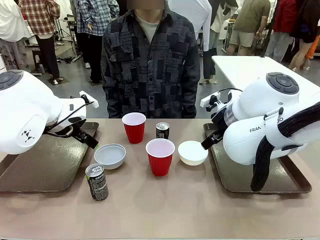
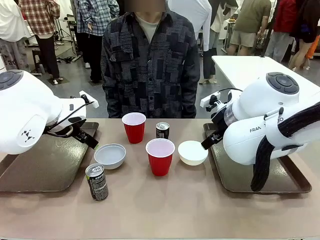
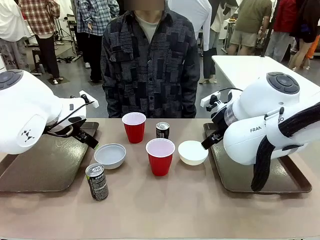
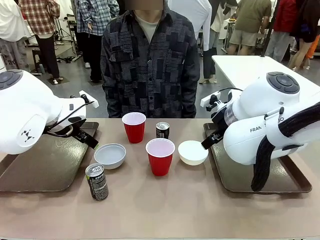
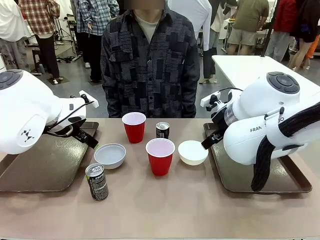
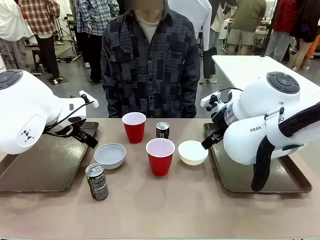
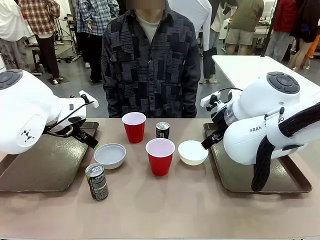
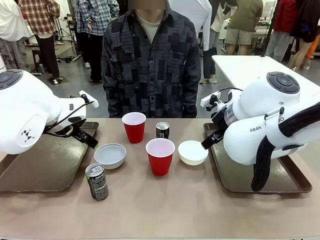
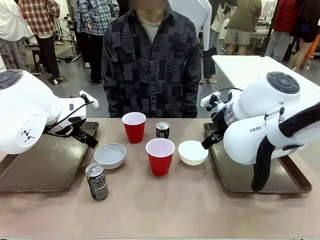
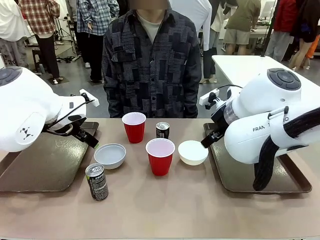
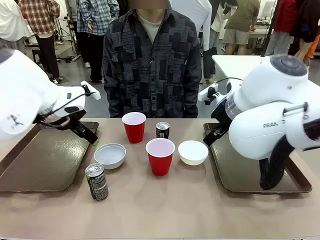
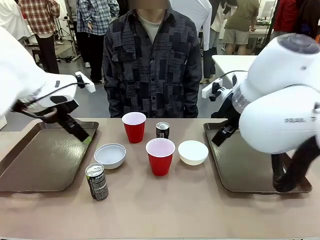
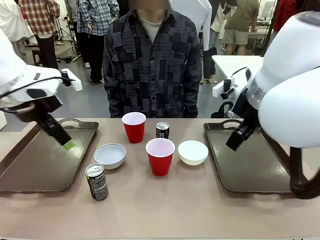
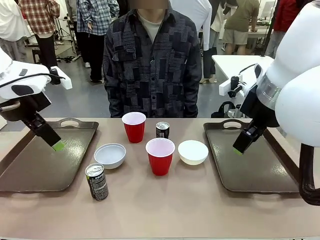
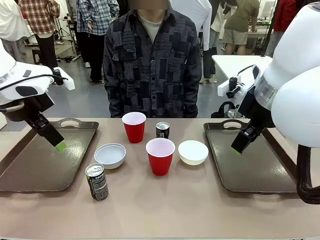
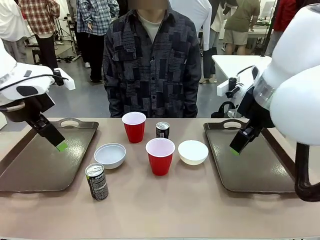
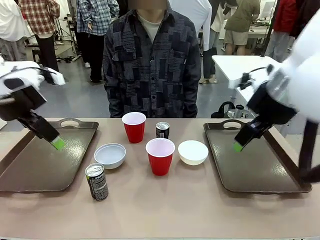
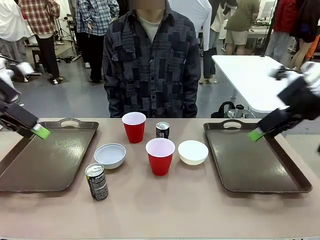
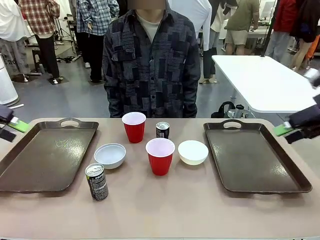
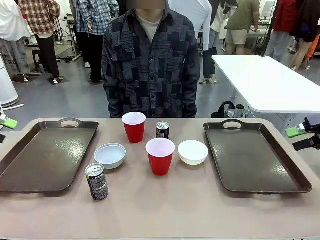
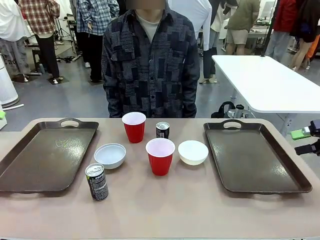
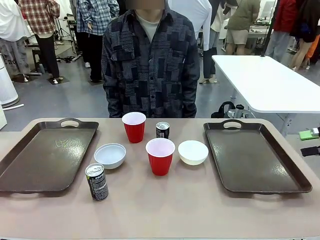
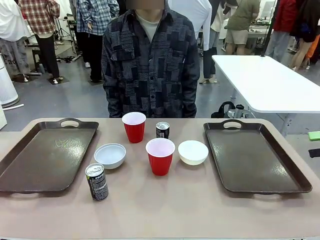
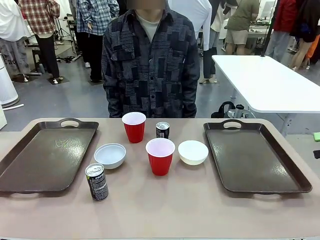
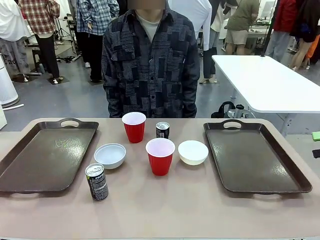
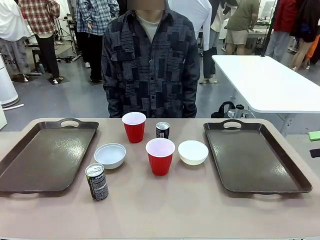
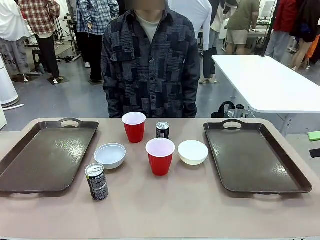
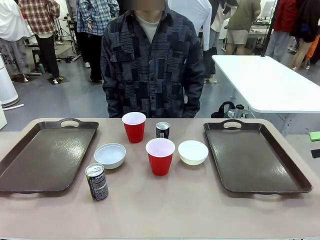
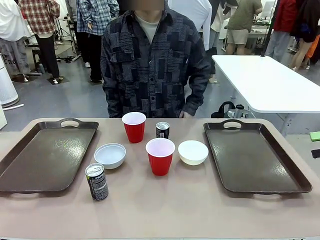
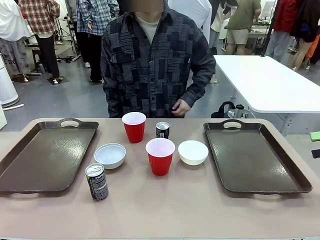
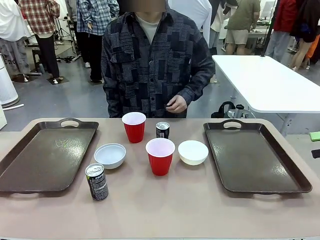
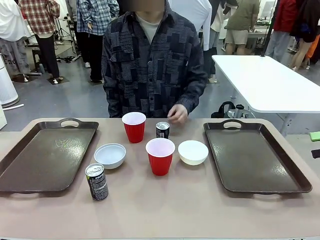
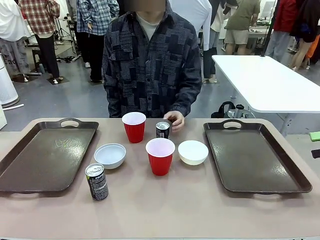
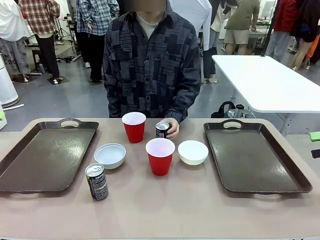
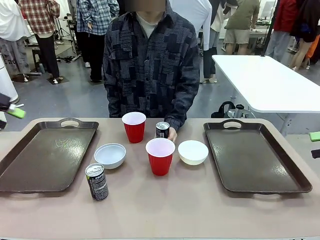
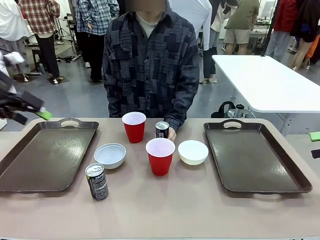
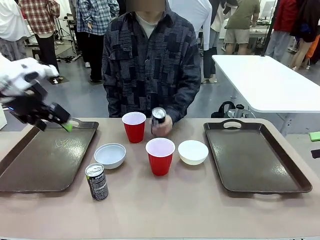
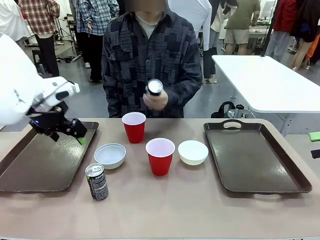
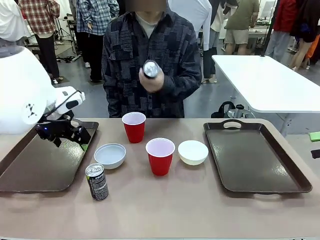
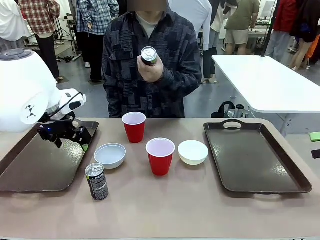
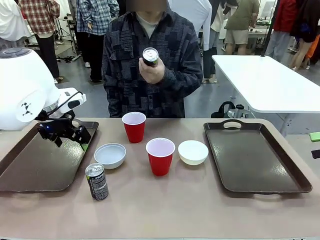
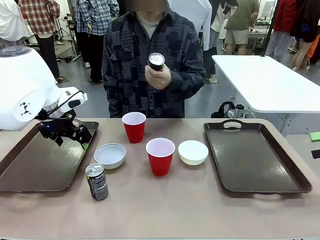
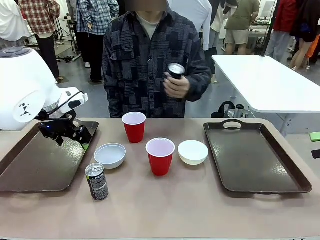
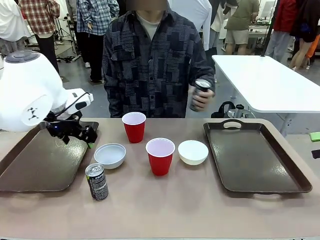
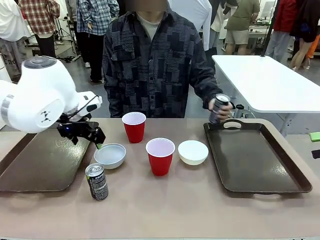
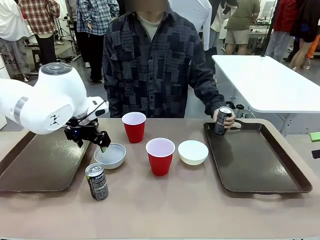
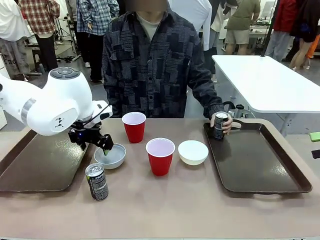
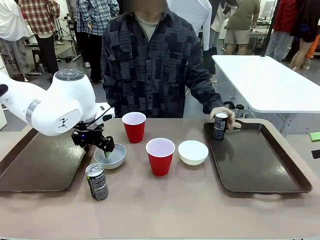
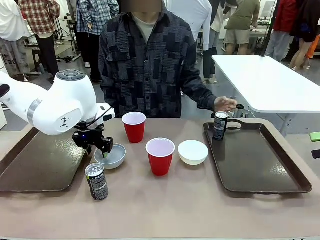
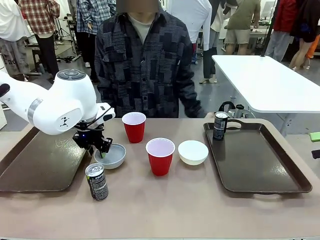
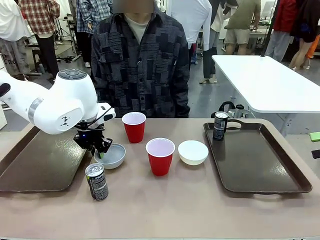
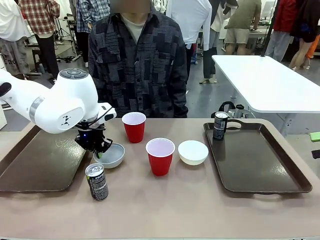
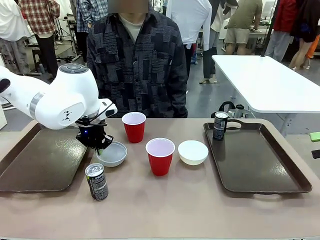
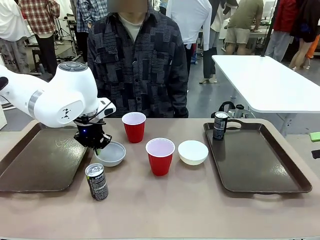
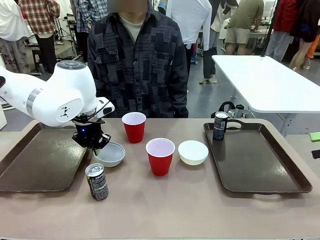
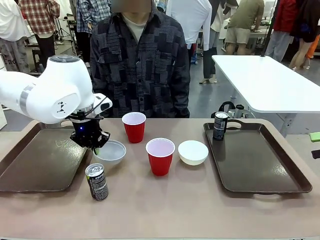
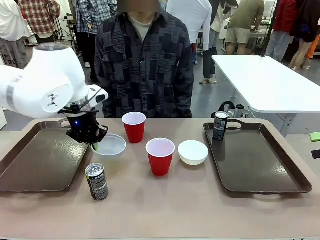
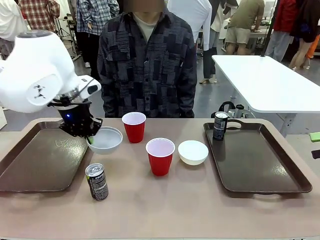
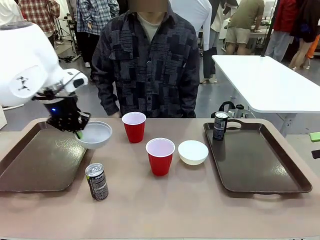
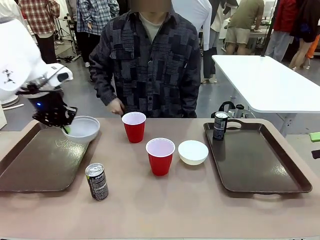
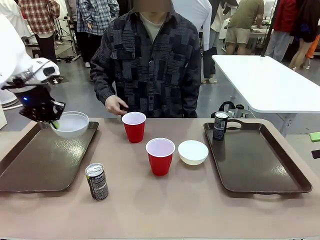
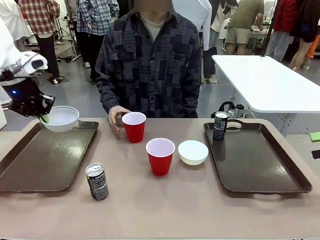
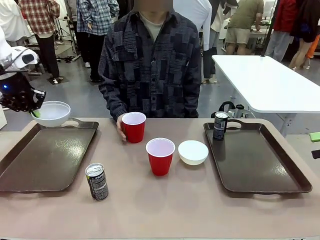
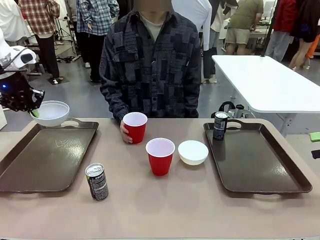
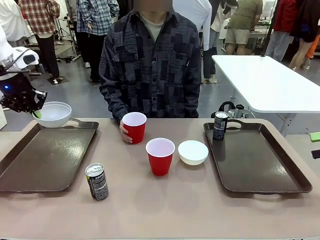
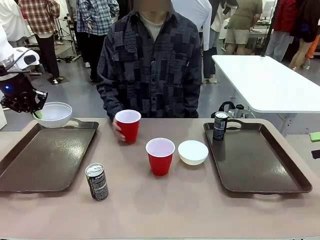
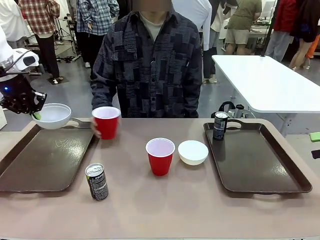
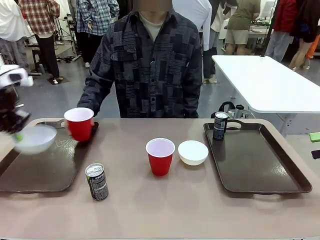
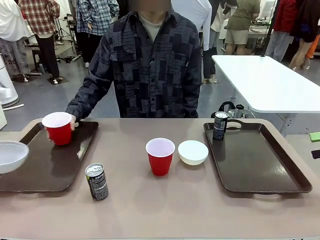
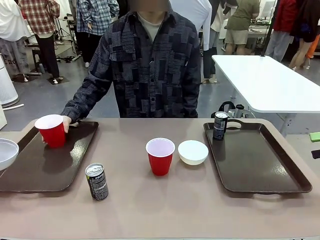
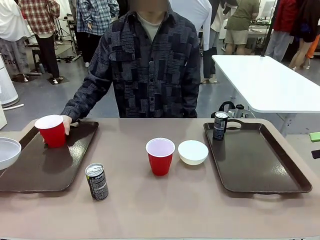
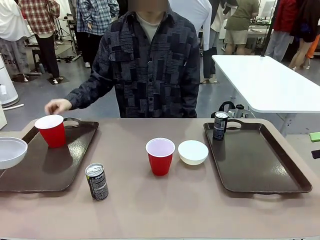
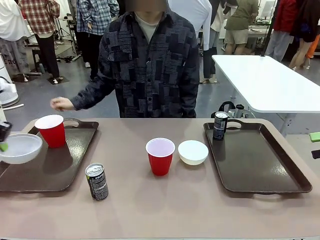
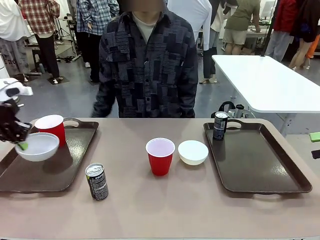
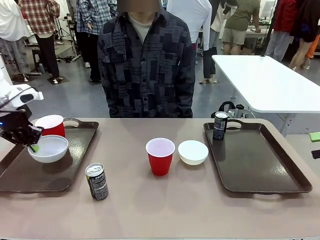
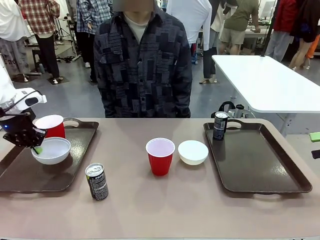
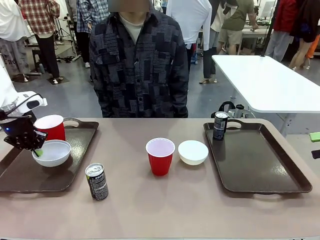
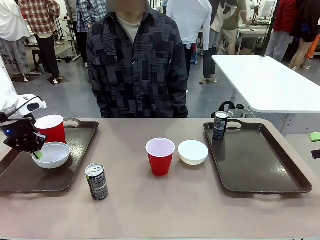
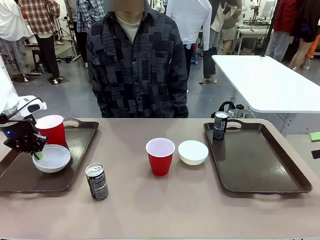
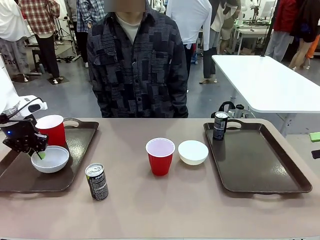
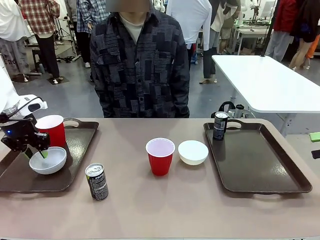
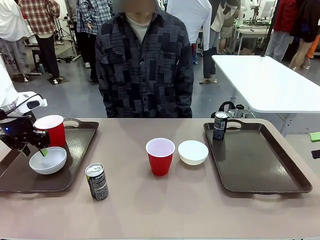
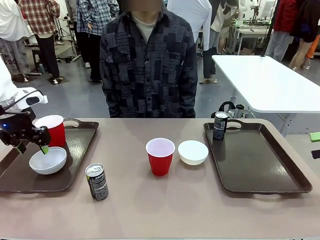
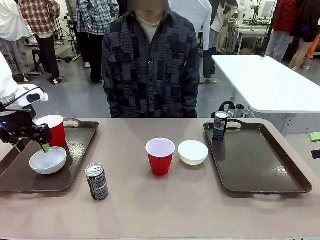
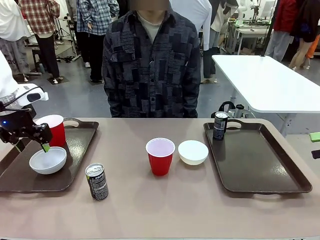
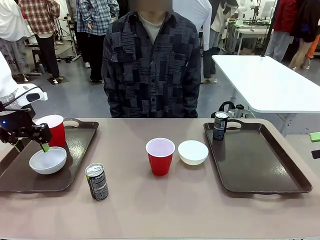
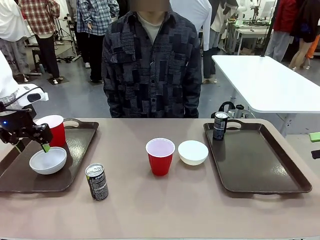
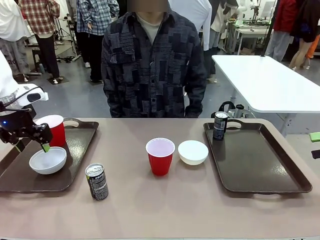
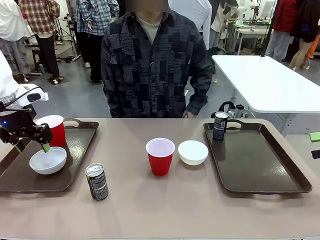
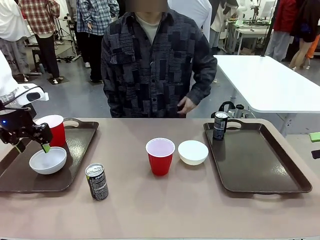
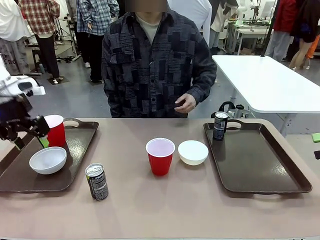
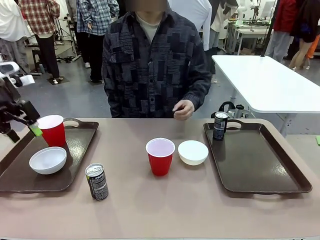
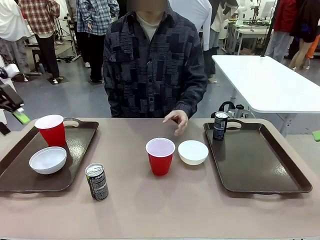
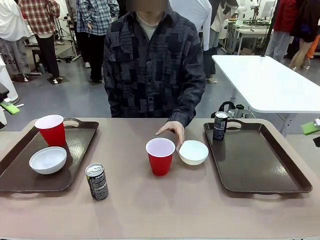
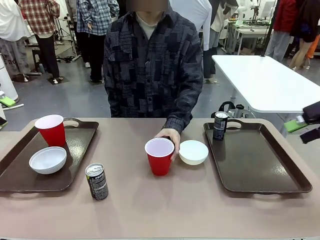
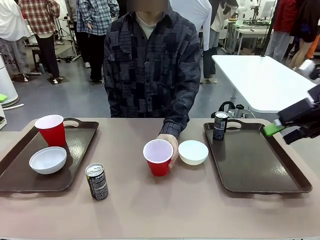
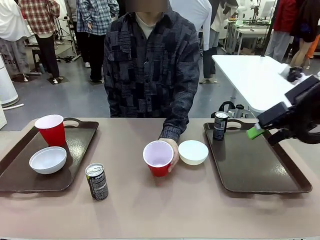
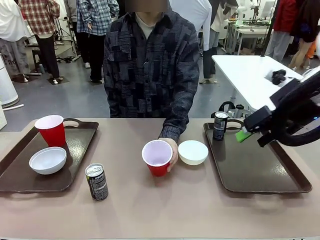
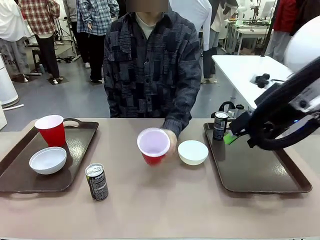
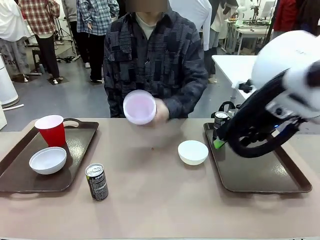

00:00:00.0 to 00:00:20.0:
Task: Prepare tableware on both trays.
Robot: Pick up a Picnic Bowl from the table and place it on a Handle tray.
Person: Pick up a can or cup and place it on the tray.
